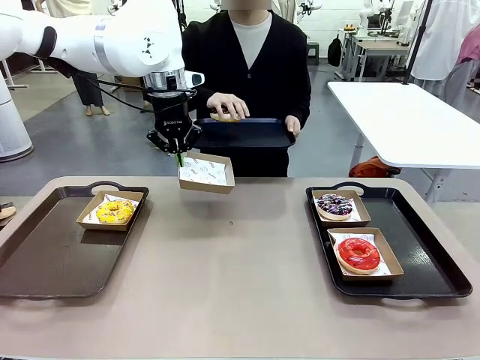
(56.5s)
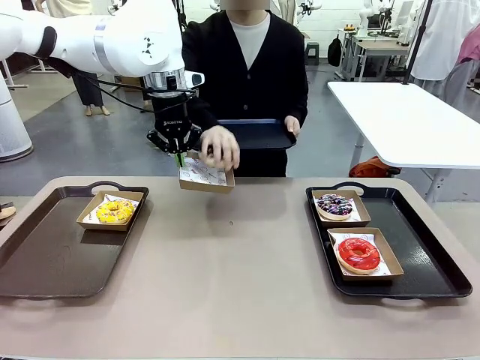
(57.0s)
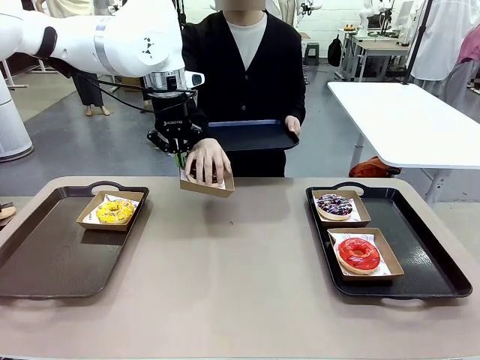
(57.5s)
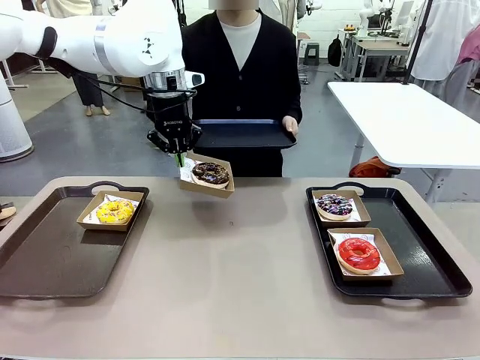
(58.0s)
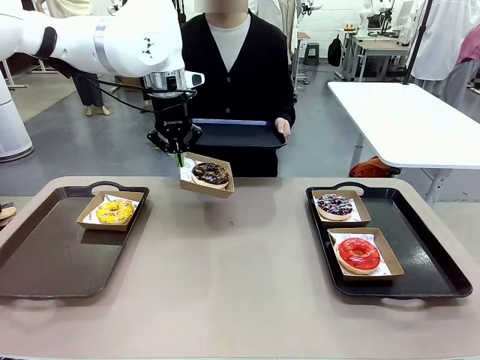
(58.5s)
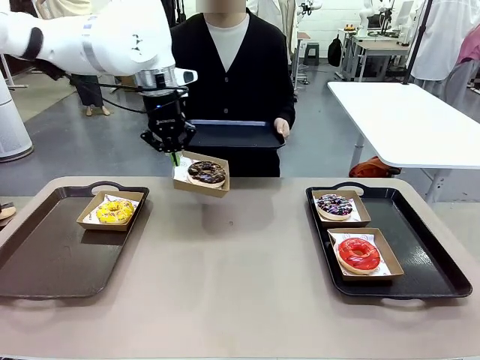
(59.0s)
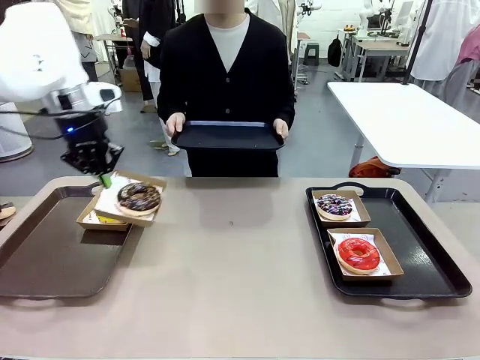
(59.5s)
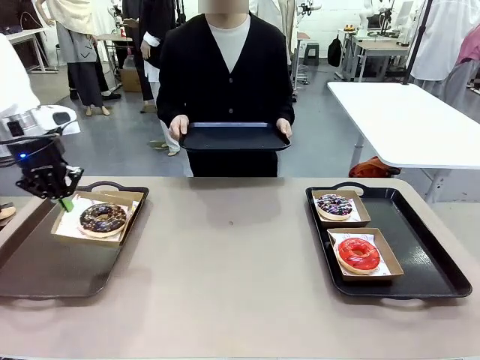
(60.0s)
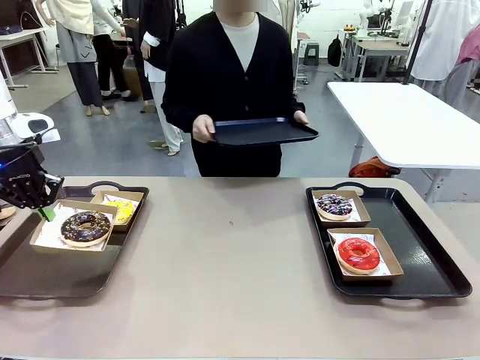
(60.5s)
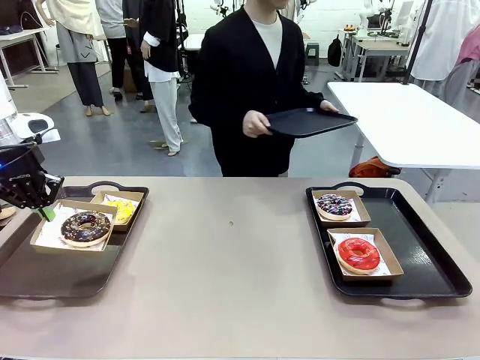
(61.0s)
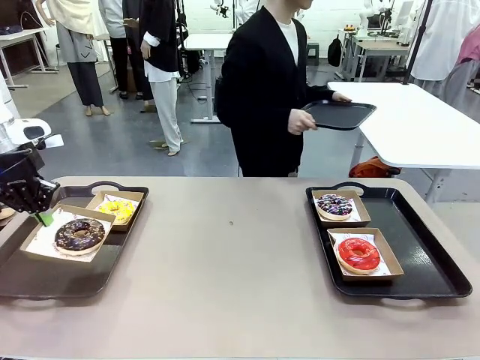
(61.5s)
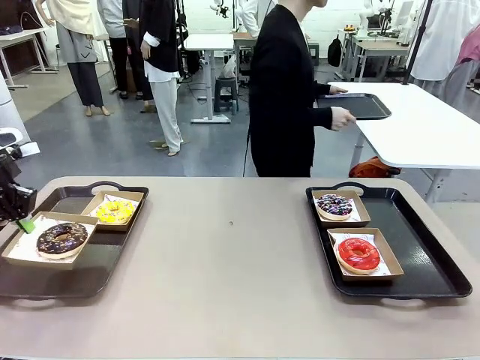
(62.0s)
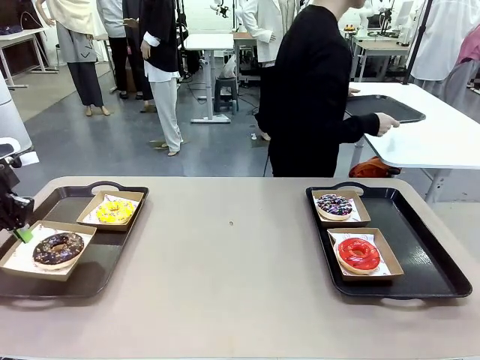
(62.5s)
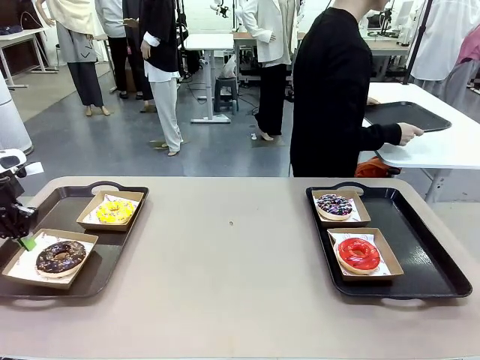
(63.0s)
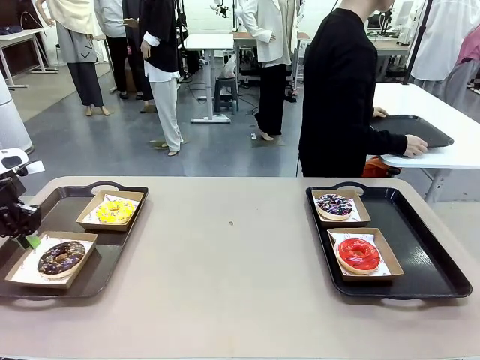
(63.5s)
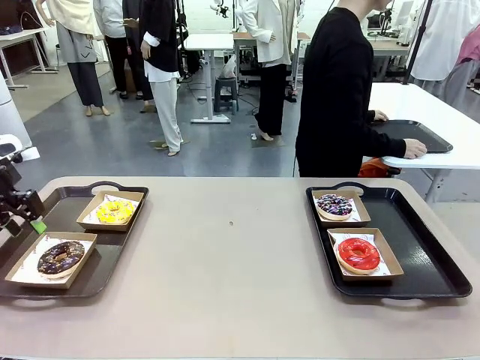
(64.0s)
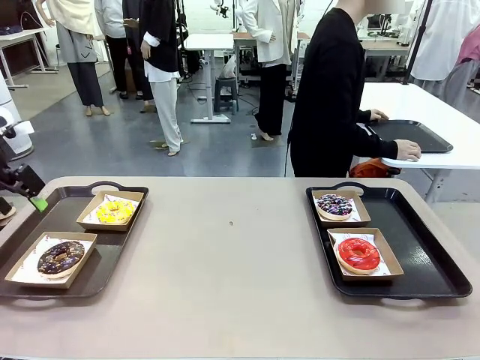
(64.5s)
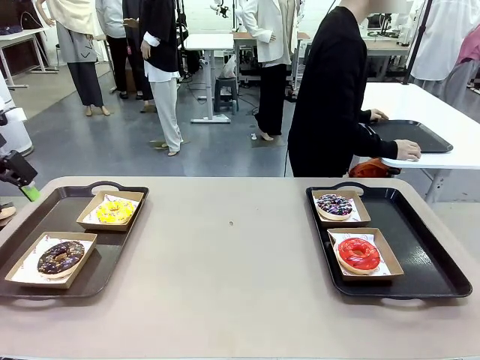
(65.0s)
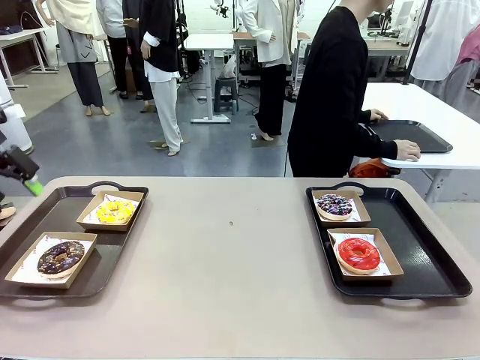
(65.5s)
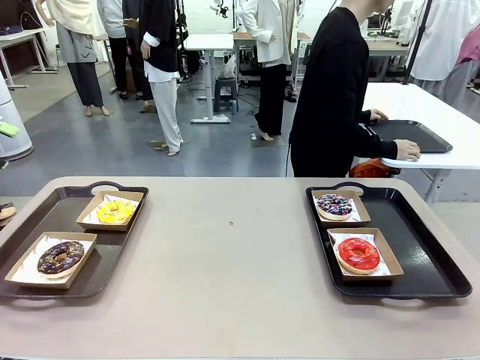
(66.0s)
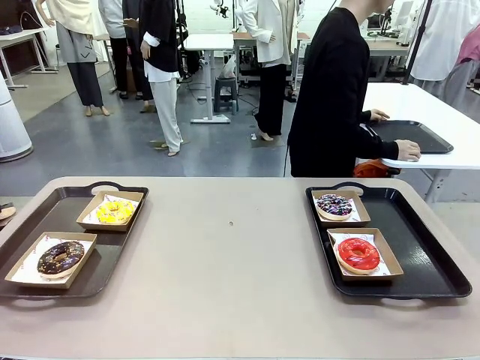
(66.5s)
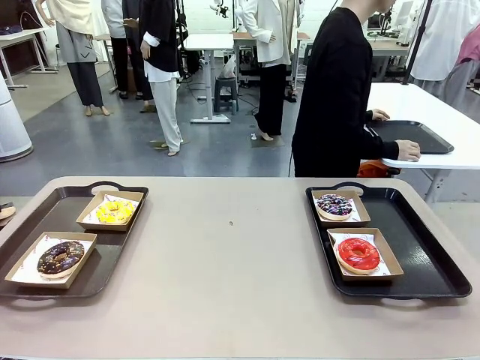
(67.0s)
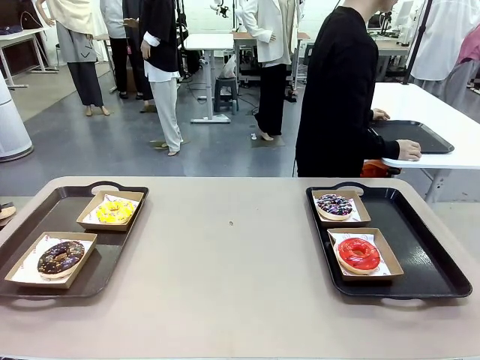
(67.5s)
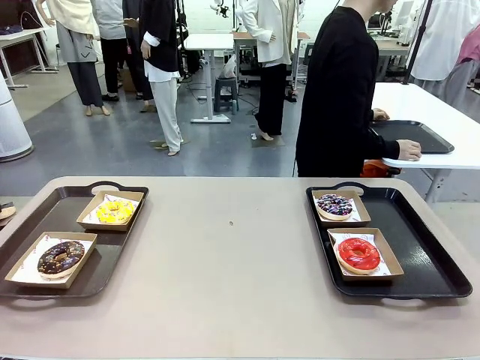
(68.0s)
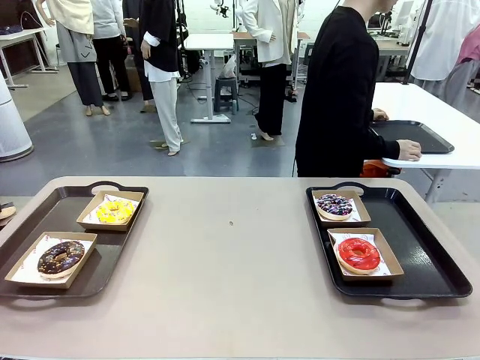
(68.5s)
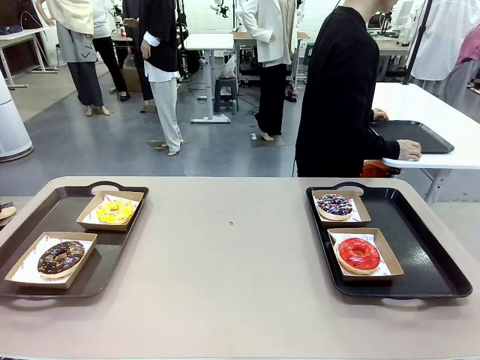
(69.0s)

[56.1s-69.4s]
Task: Individually package the donuts and arrange them on the tray.
Robot: Place the picked Paper togo box on the Handle tray.
Person: Place the tray down in the middle of the human table.

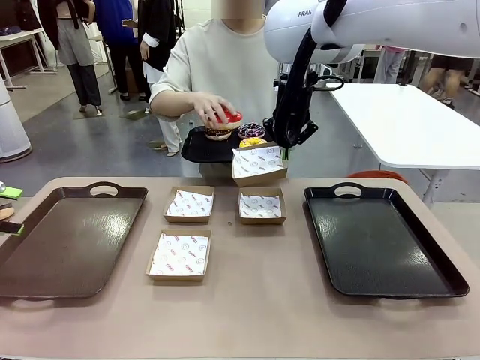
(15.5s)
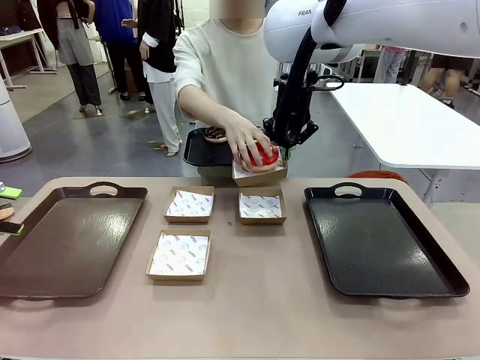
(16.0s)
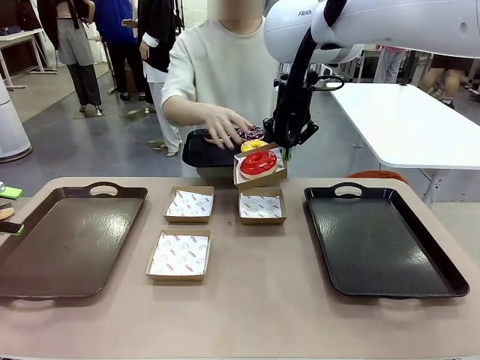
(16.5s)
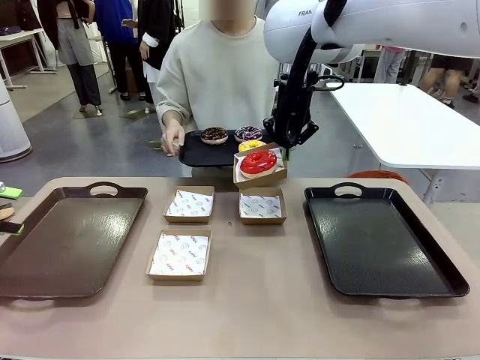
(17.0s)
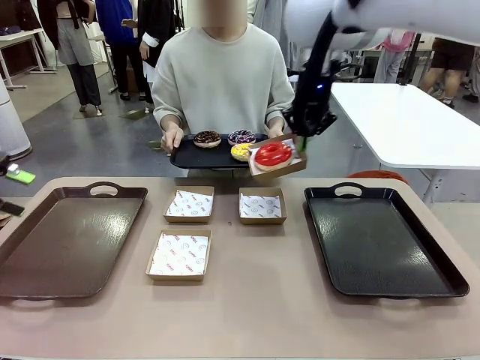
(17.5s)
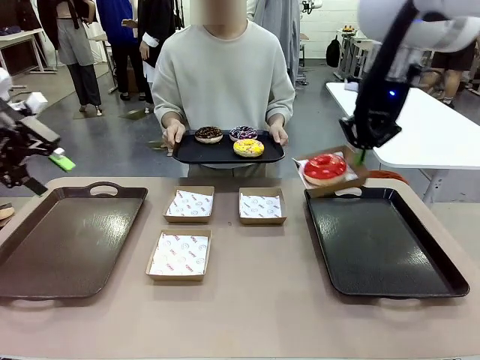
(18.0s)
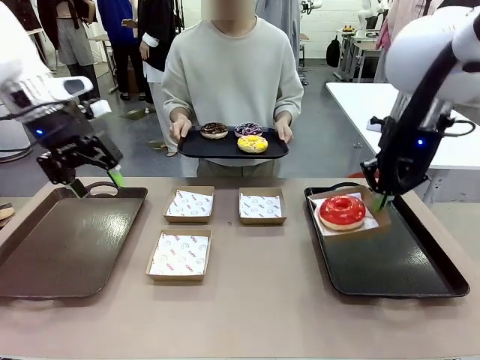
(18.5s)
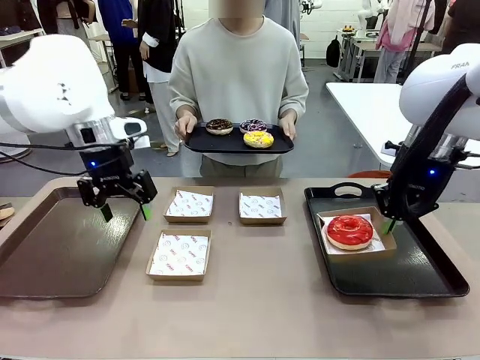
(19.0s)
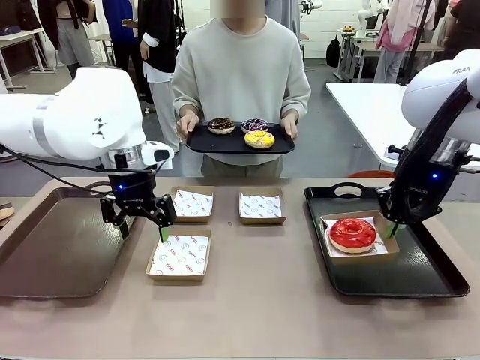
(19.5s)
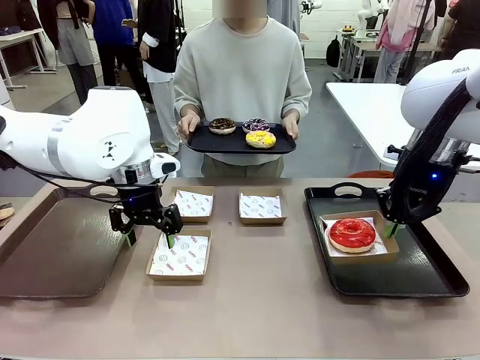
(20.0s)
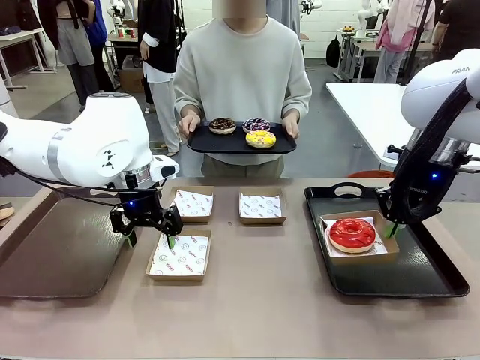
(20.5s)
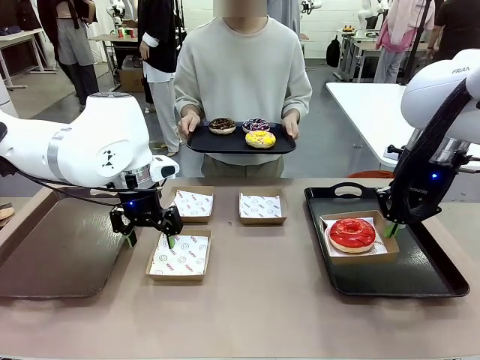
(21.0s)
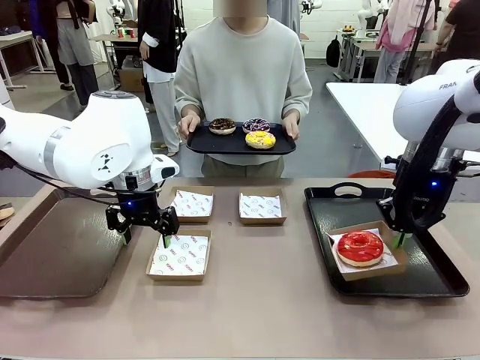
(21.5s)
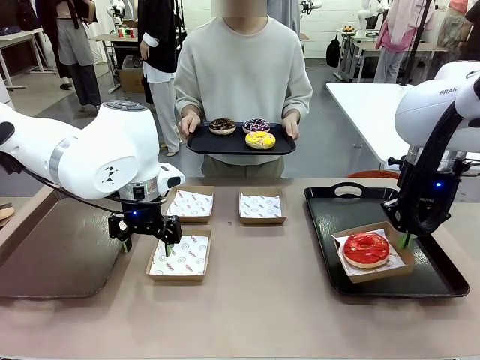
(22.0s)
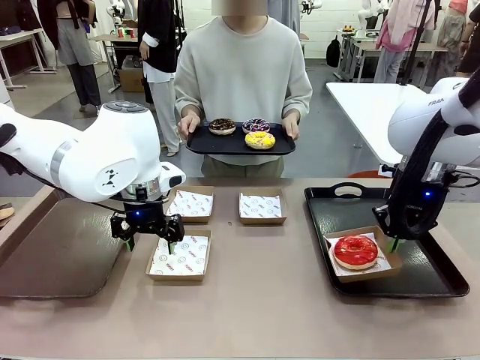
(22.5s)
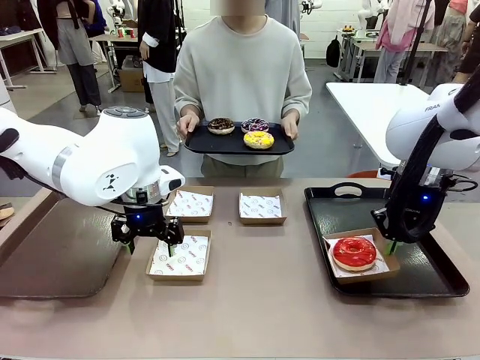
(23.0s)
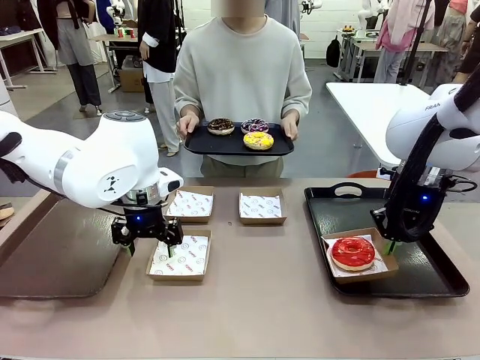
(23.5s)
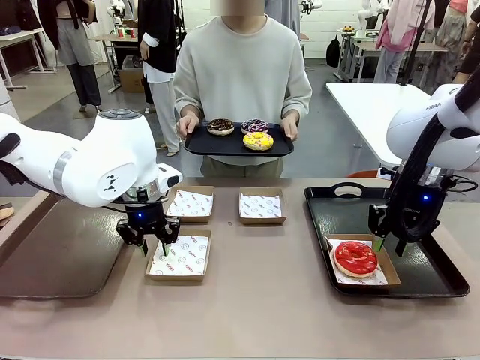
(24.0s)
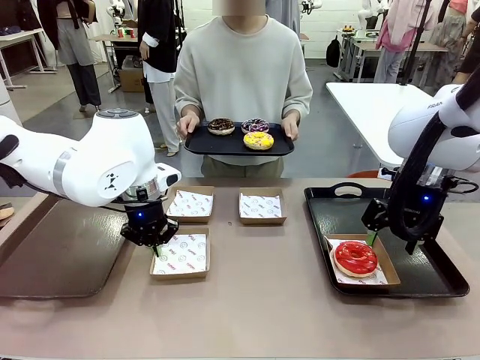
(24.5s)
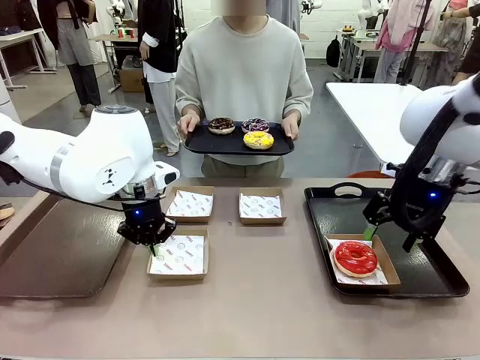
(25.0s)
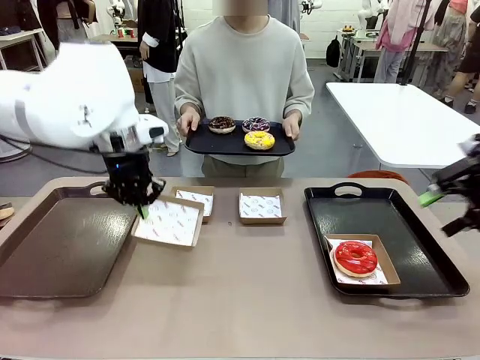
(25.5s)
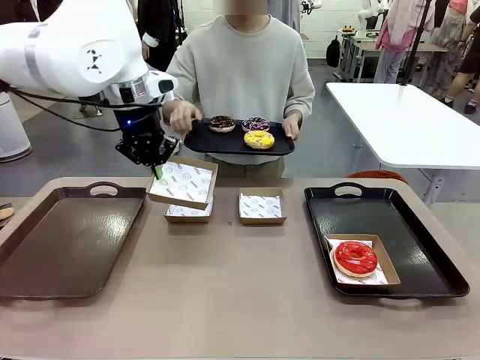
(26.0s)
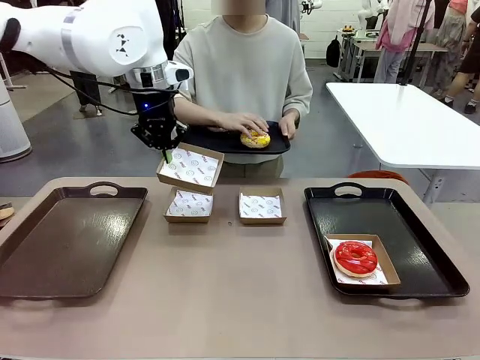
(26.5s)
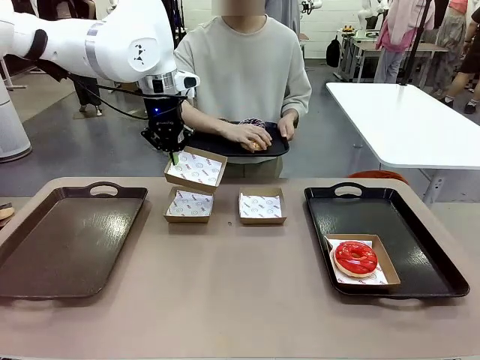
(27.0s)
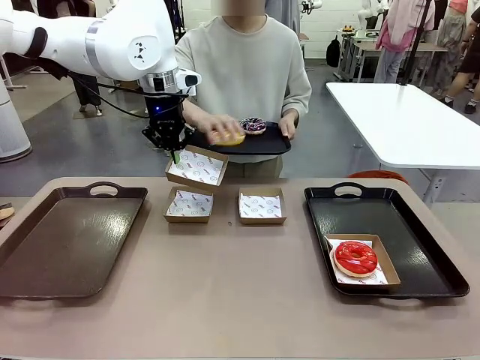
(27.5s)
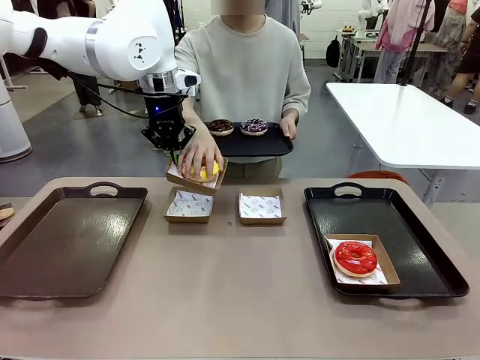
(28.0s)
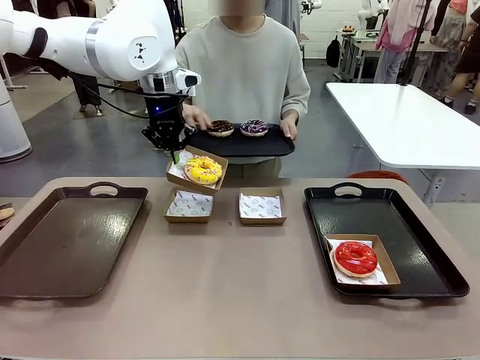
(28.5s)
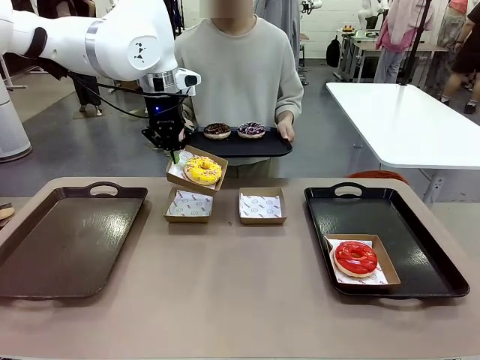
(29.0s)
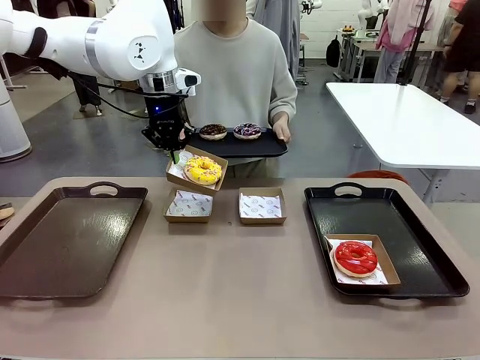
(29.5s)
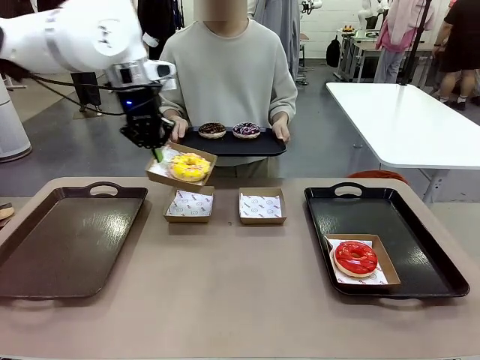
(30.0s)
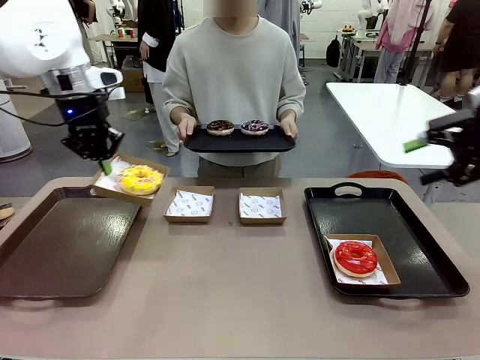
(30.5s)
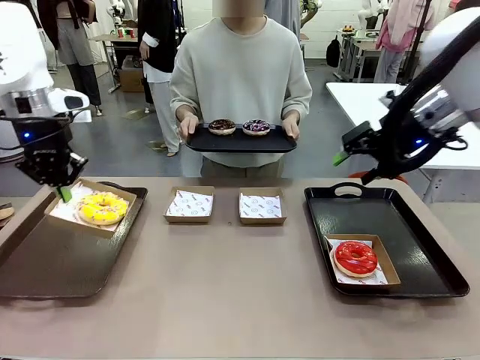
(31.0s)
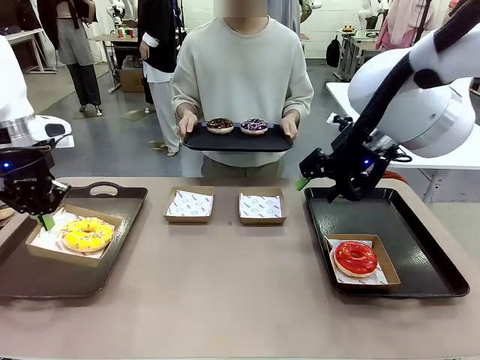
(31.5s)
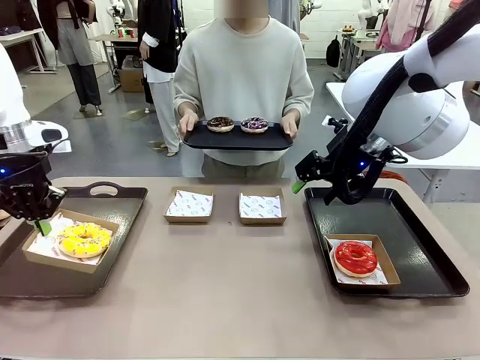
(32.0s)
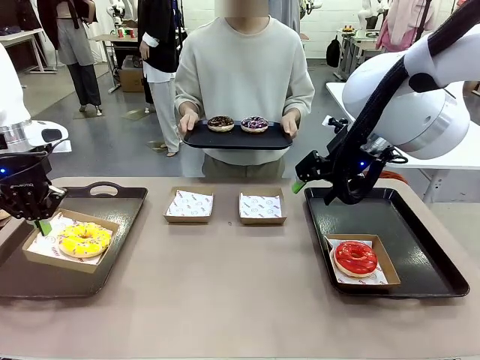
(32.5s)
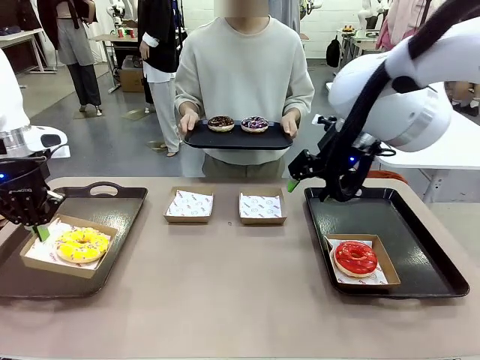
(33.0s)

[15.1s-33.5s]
Task: Individually package the donuts and arrange them on the tray.
Robot: Place the picked Paper togo box on the Handle tray while simultaneously picking up another Paper togo box from the table with the other hand.
